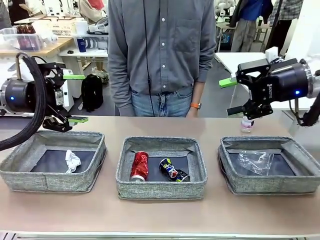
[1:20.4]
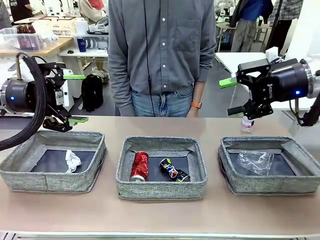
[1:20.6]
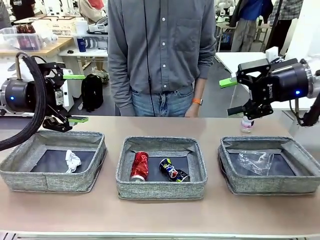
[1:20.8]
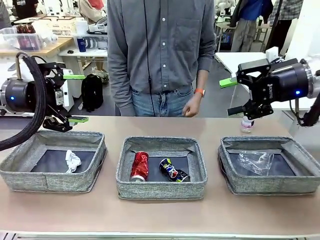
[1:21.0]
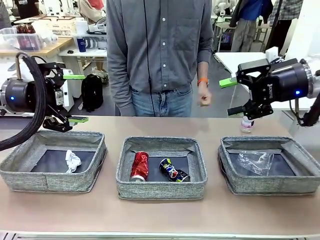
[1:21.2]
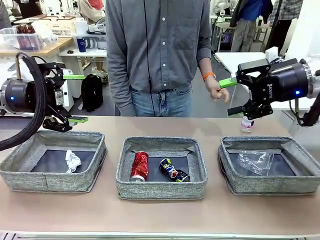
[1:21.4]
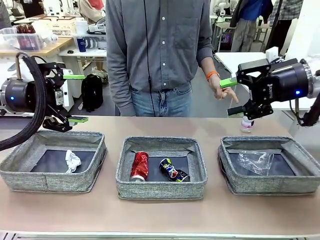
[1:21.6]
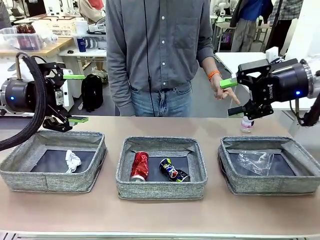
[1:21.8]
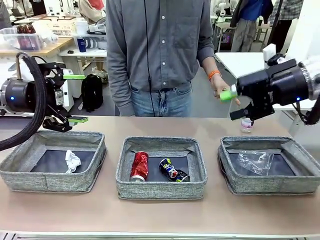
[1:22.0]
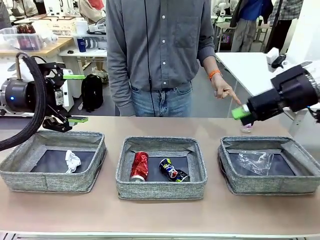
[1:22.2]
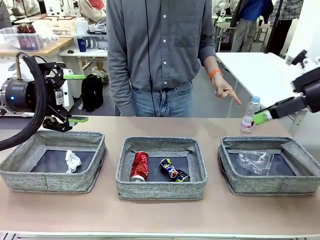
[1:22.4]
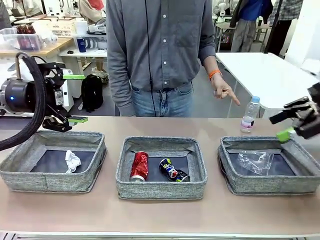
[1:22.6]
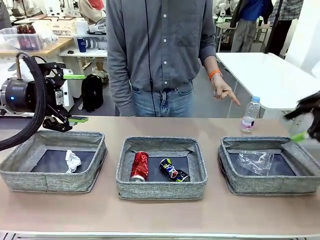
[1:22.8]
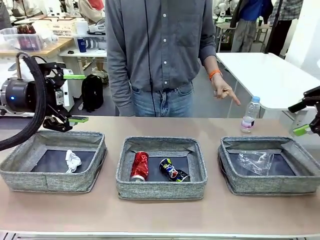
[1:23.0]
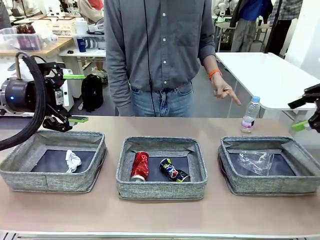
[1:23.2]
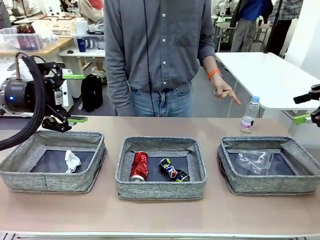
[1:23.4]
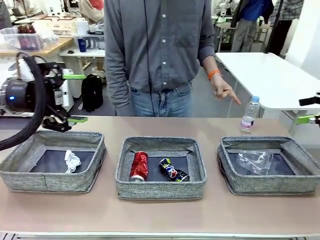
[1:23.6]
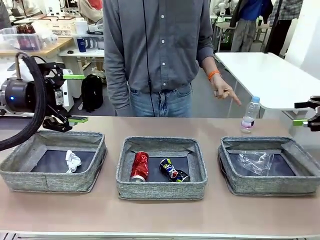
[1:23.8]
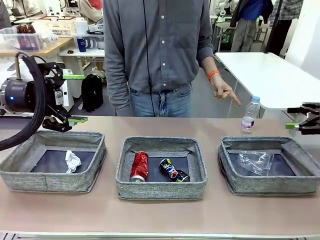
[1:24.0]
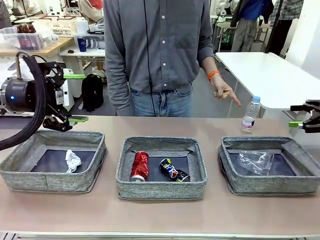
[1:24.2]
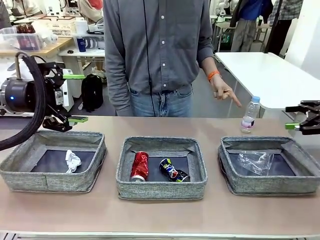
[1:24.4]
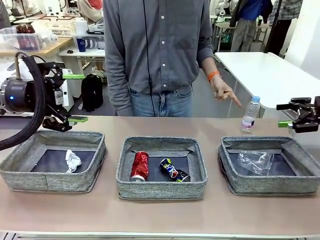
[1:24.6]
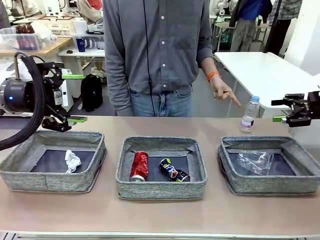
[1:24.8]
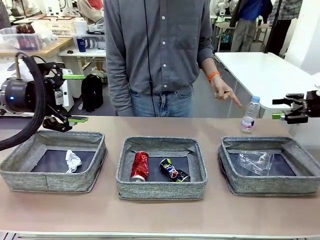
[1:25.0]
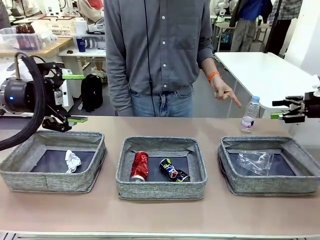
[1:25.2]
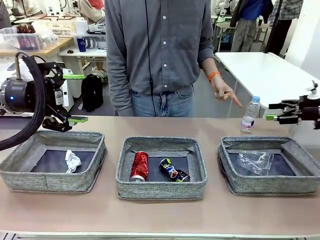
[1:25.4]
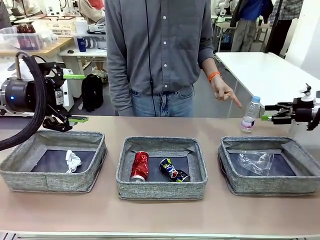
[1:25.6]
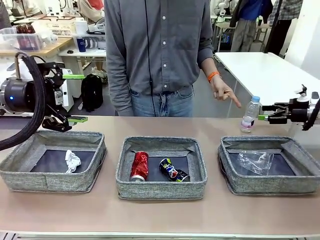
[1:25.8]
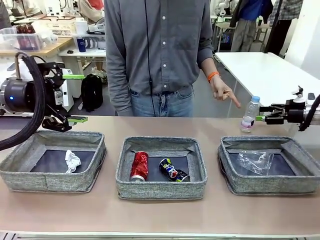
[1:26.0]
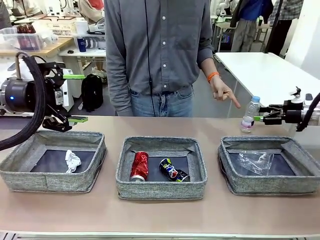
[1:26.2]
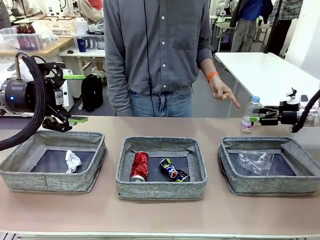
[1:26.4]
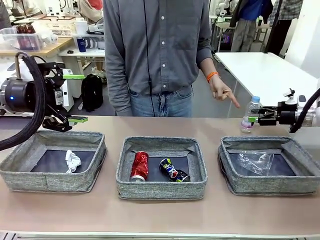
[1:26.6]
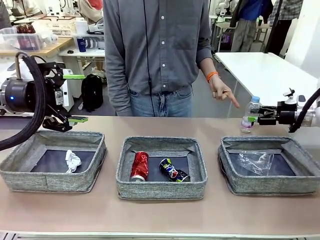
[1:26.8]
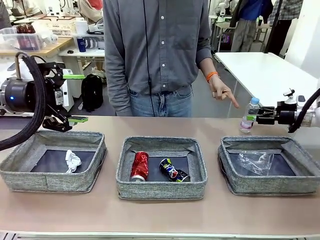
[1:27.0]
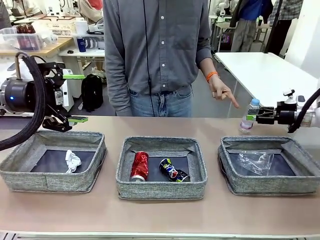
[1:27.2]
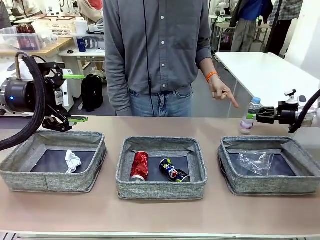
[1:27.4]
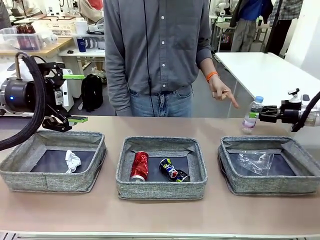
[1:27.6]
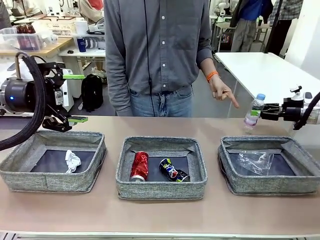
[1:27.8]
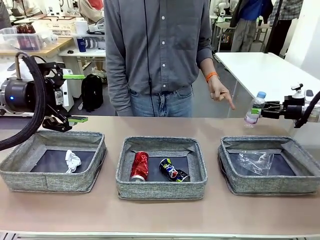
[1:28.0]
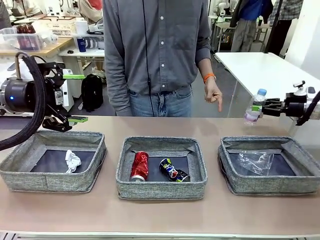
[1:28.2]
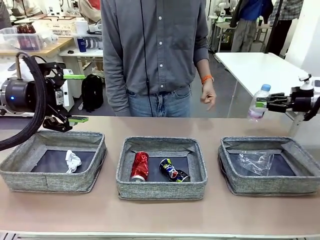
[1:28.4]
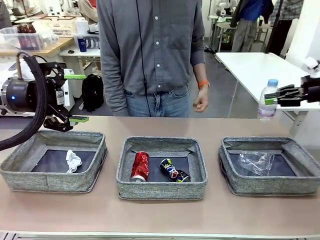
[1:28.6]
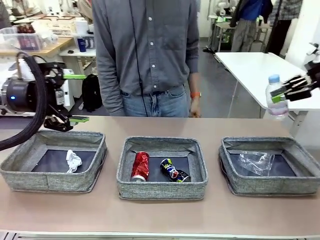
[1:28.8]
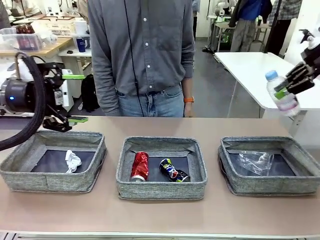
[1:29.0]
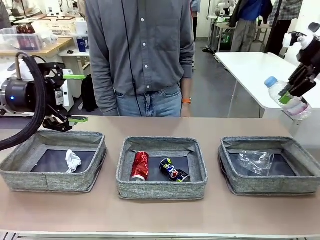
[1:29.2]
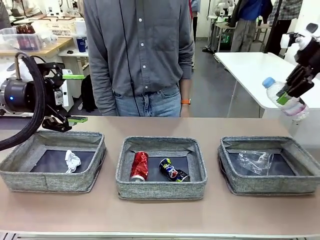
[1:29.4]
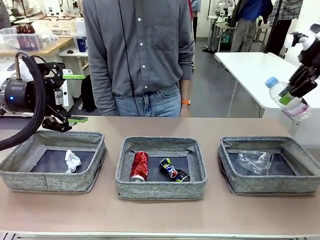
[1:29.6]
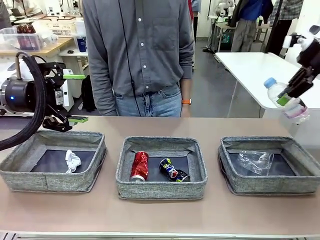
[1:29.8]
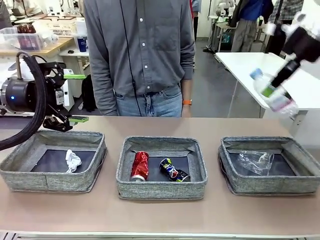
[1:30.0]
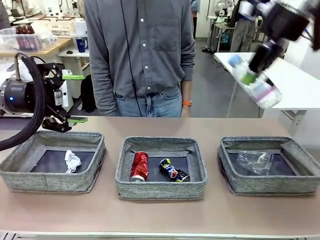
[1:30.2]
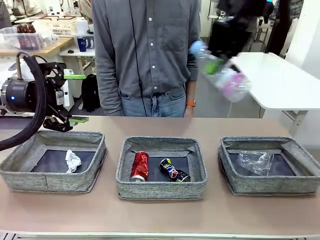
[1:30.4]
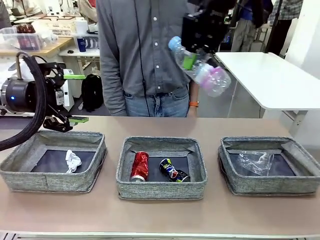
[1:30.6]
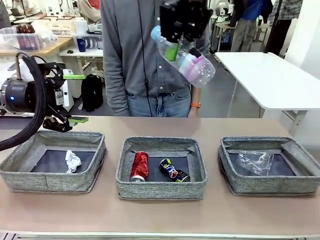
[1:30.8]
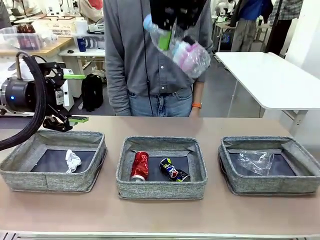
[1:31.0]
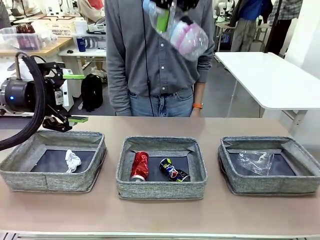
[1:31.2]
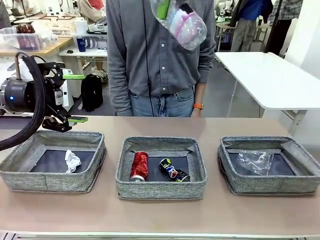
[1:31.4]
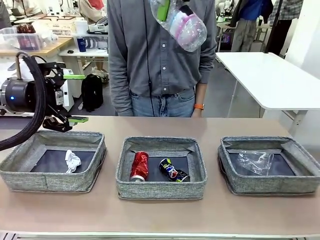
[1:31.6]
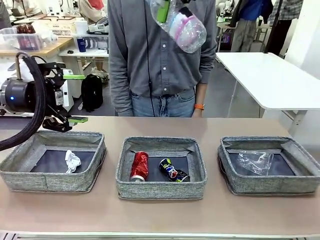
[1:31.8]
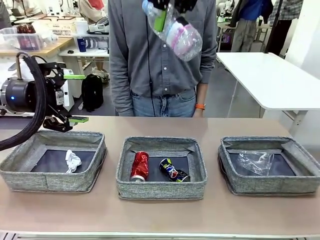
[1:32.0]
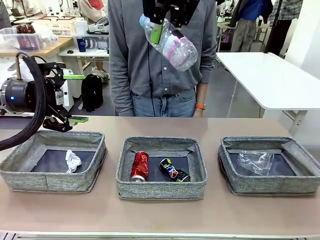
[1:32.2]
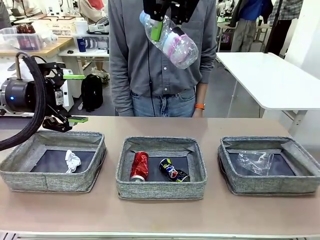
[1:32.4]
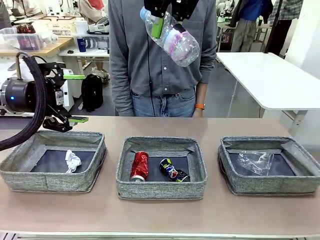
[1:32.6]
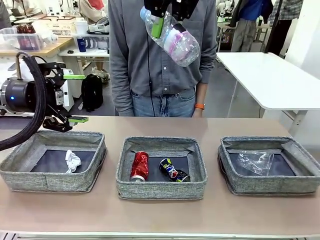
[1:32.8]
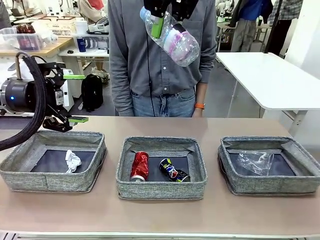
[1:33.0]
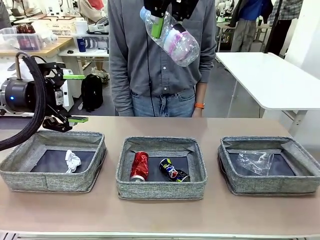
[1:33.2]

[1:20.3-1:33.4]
Task: Sort the waste into the appropriate baskets.
Robot: Pick up the waste item pointed out by the person.
Person: Points to one piece of trash on the table.

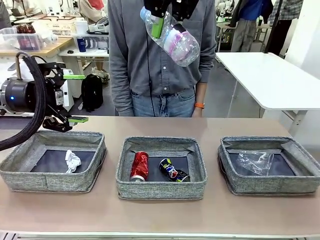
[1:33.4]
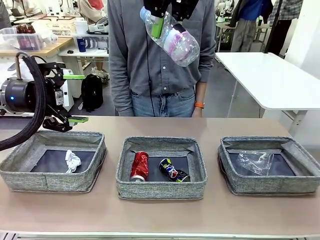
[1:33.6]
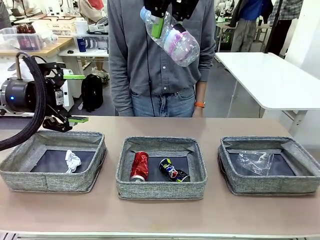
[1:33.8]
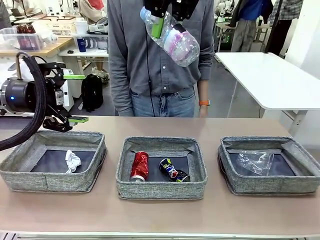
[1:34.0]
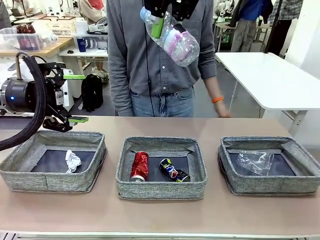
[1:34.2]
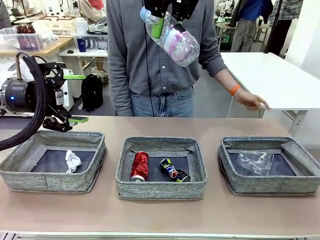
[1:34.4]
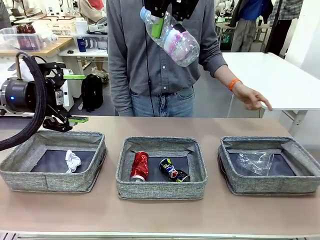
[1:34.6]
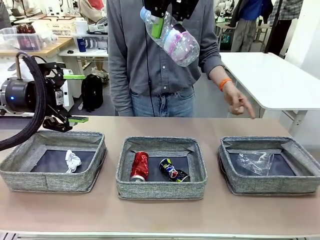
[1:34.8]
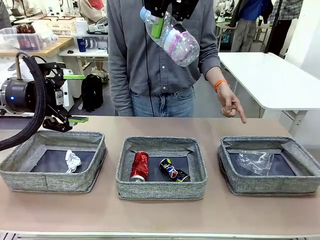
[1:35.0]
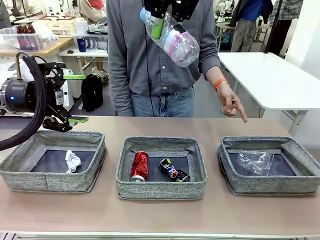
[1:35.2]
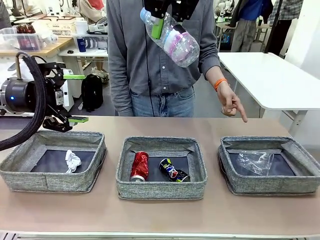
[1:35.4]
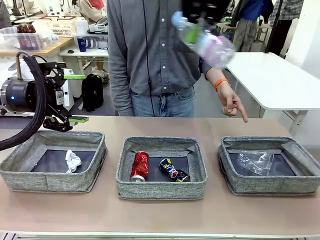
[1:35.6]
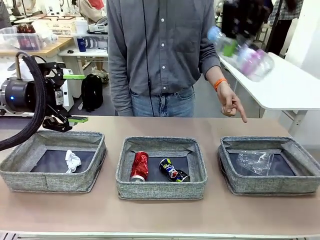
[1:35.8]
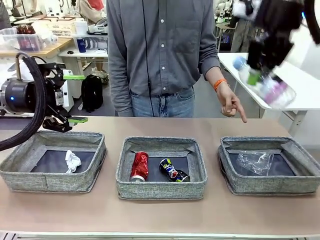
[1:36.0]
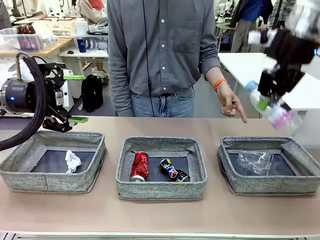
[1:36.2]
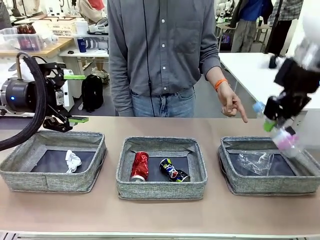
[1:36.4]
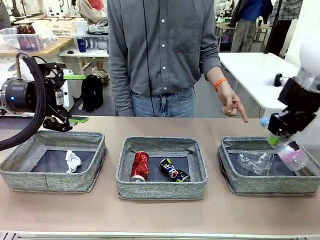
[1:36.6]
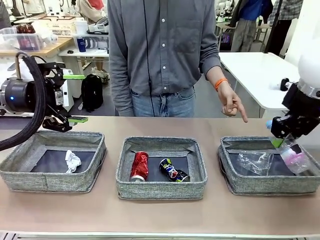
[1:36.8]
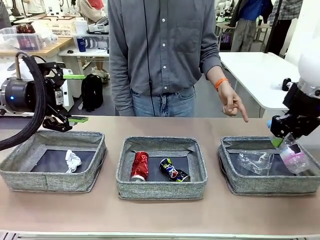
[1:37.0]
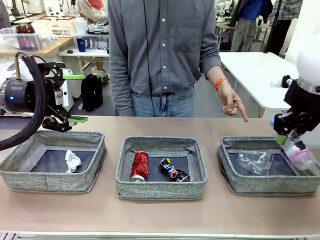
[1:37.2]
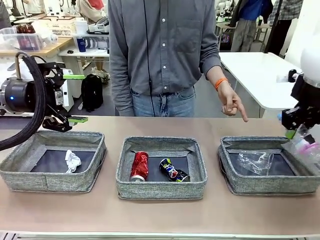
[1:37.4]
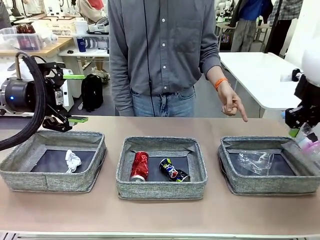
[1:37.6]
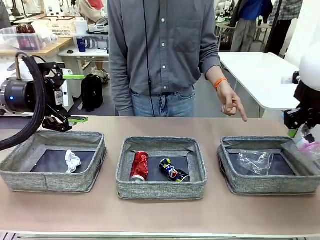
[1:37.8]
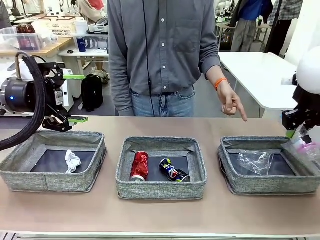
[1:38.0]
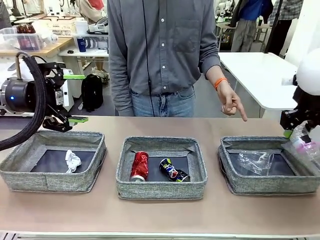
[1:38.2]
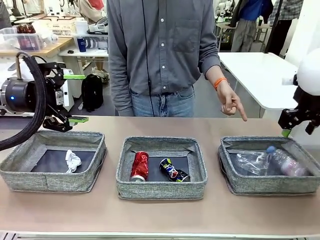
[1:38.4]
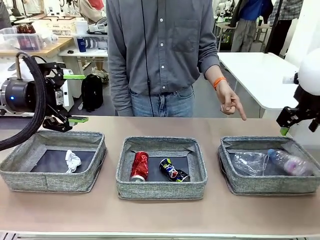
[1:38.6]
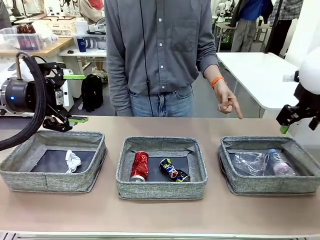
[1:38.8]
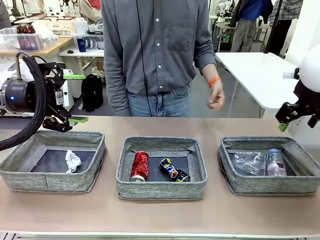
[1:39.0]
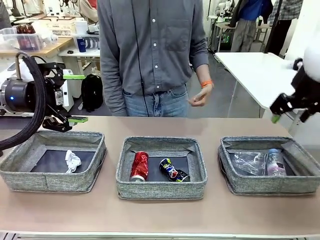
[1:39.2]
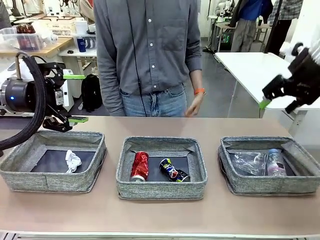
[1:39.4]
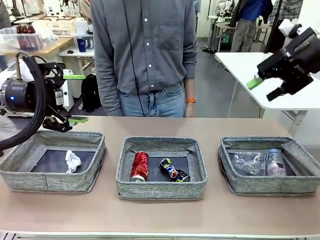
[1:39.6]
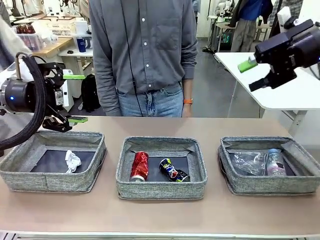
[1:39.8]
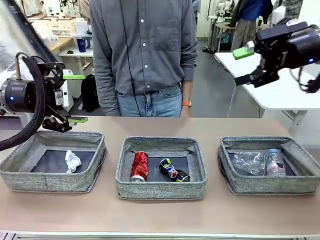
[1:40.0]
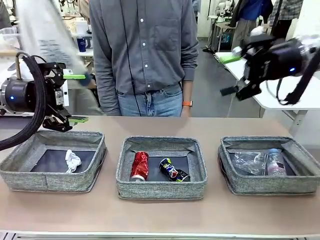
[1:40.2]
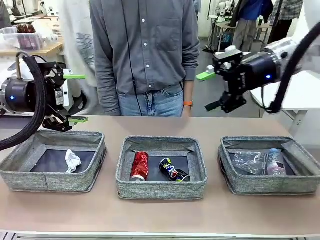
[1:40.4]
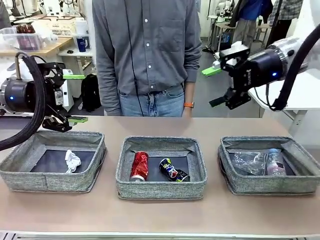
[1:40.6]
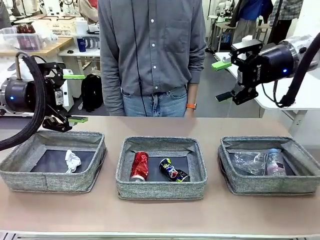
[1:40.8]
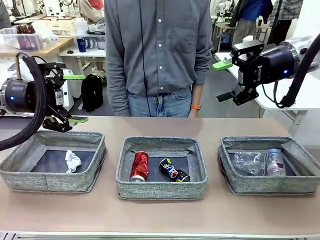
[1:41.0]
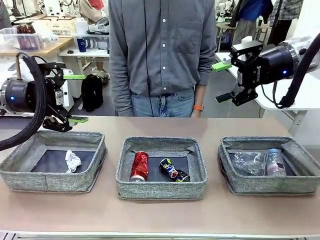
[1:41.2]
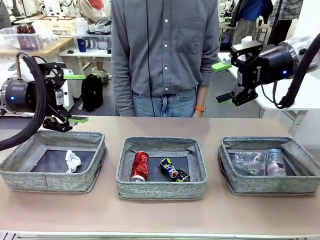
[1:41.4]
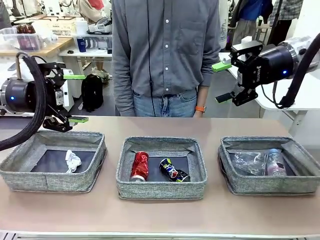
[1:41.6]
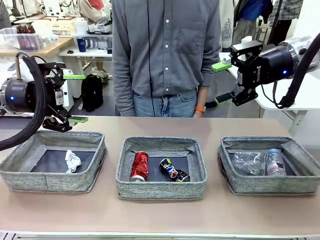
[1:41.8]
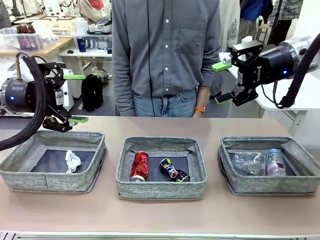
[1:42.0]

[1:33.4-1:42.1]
Robot: Place the picked waste into the Fabric basket indicated by the person.
Person: Instructs the robot to place the picked-up trash into the appropriate organizing basket.
